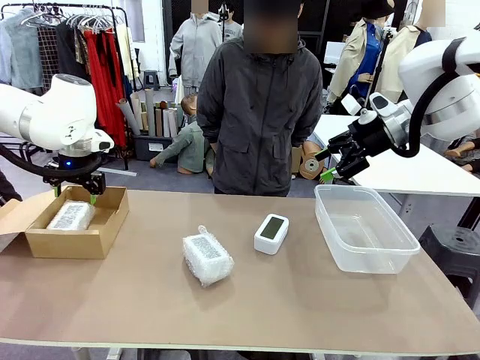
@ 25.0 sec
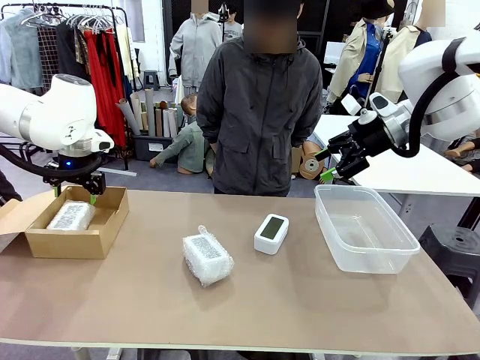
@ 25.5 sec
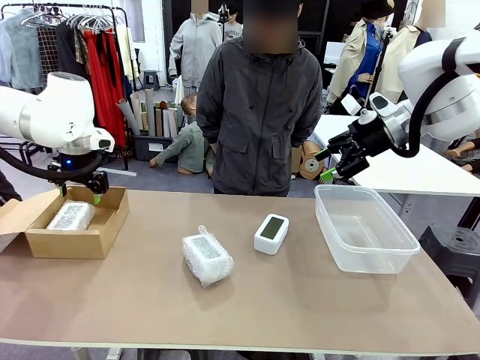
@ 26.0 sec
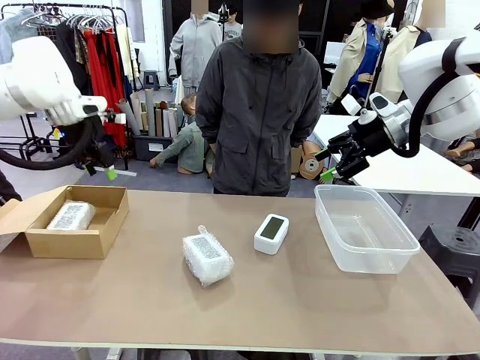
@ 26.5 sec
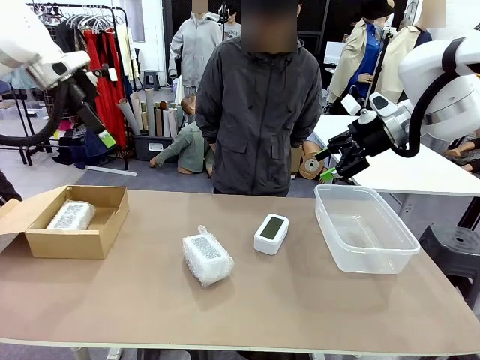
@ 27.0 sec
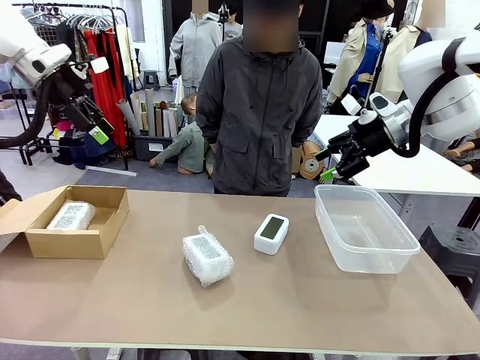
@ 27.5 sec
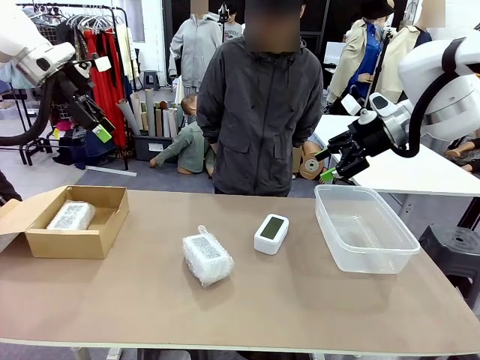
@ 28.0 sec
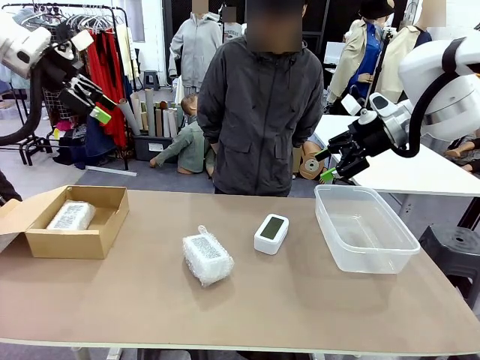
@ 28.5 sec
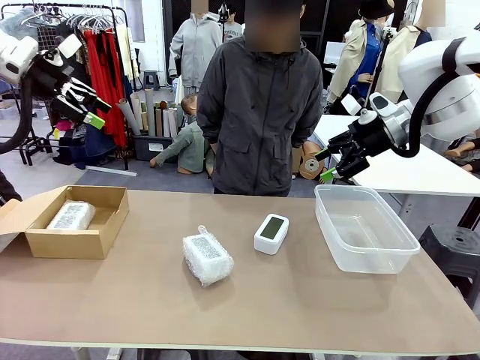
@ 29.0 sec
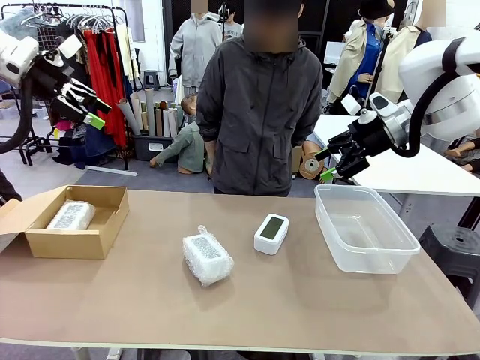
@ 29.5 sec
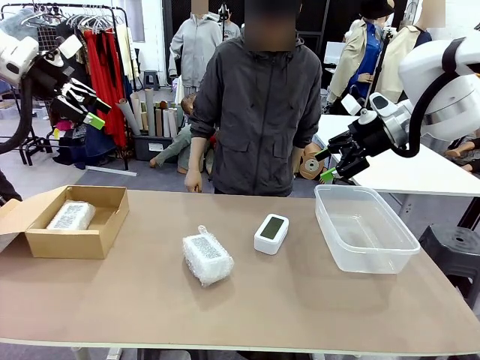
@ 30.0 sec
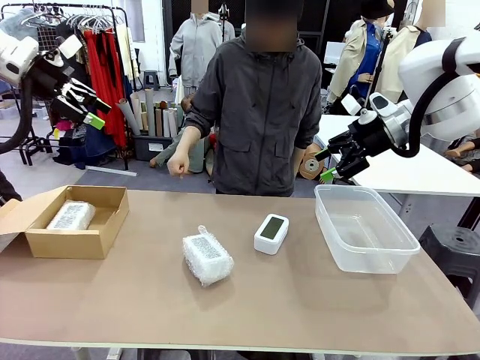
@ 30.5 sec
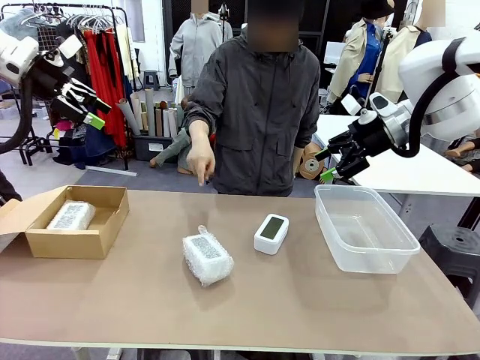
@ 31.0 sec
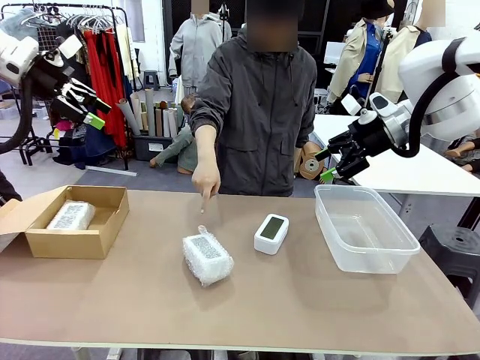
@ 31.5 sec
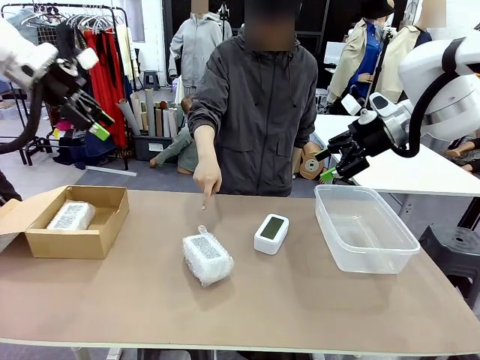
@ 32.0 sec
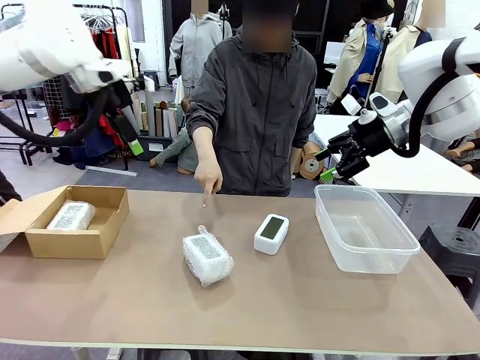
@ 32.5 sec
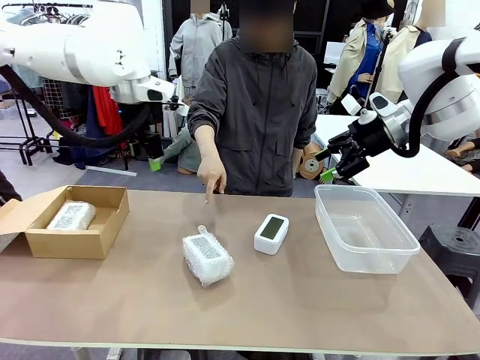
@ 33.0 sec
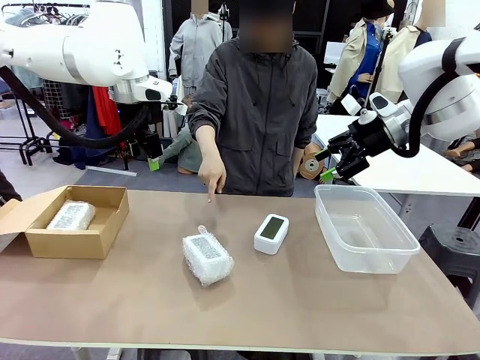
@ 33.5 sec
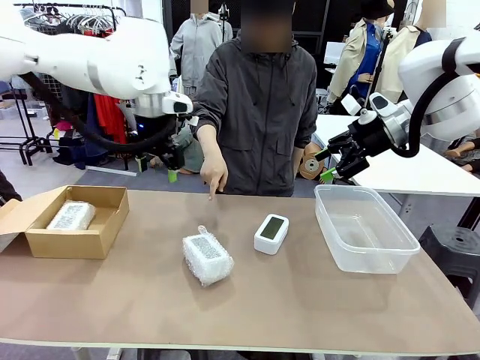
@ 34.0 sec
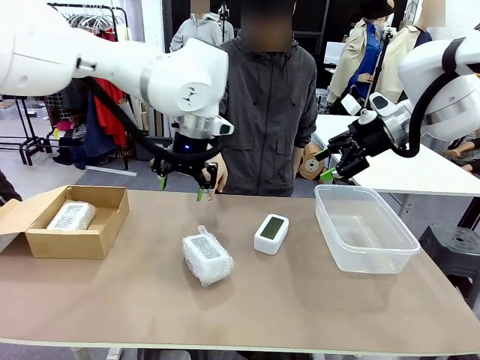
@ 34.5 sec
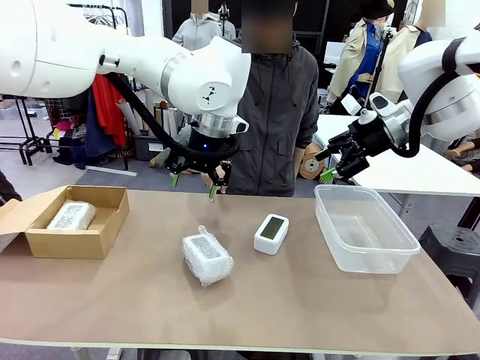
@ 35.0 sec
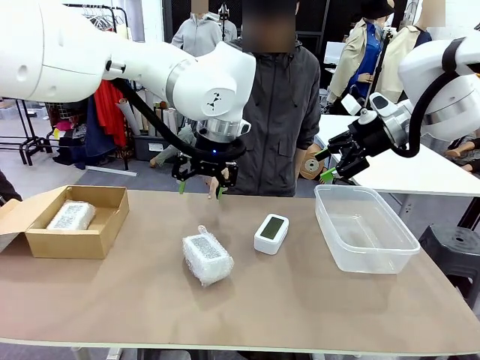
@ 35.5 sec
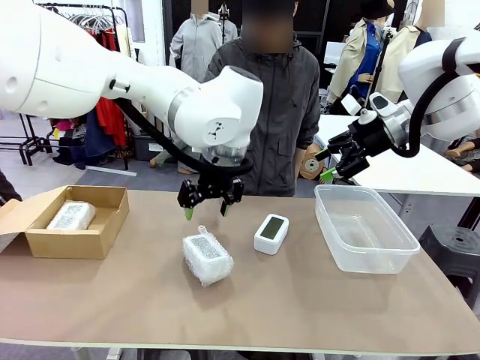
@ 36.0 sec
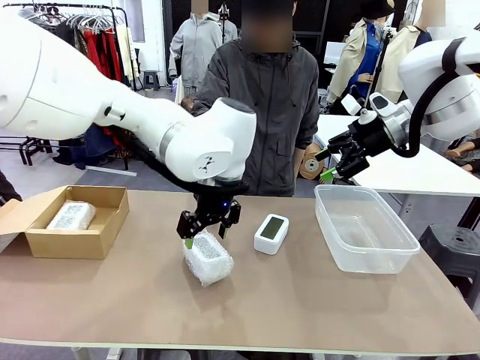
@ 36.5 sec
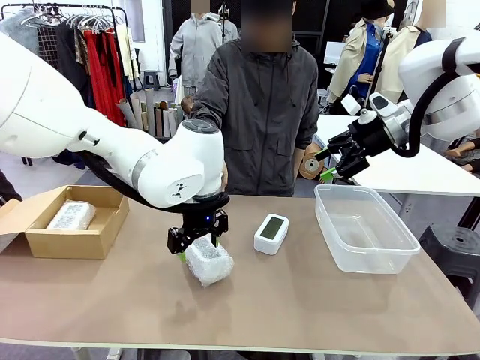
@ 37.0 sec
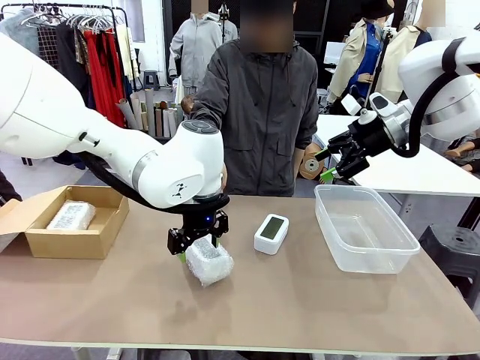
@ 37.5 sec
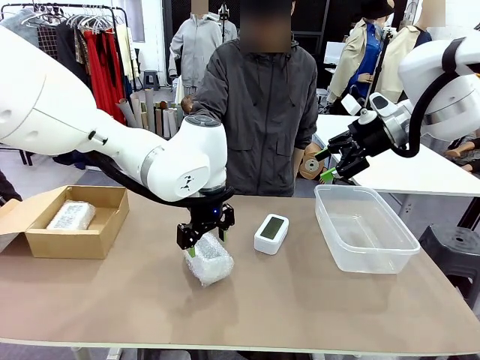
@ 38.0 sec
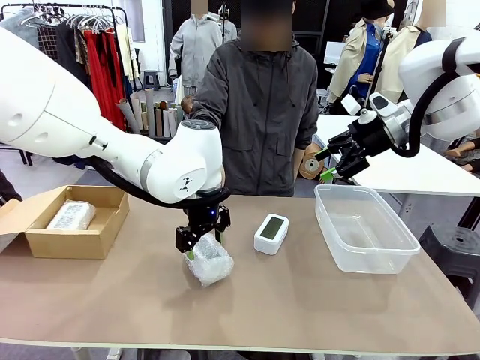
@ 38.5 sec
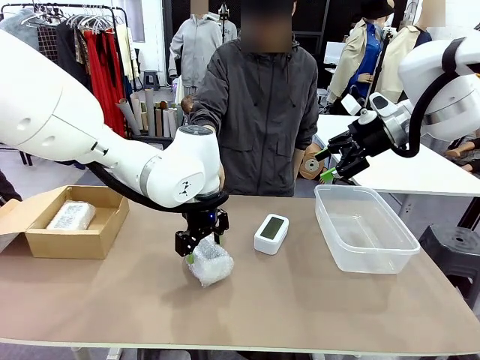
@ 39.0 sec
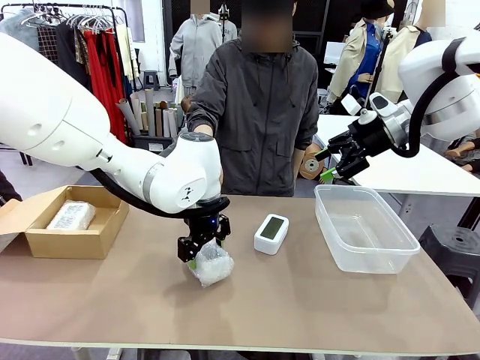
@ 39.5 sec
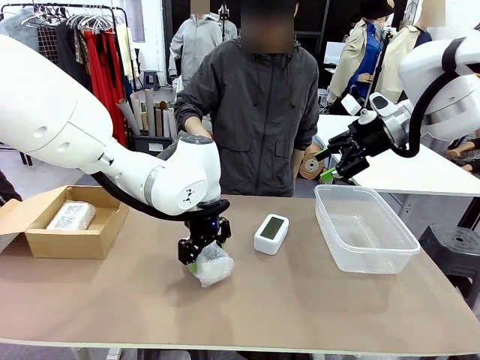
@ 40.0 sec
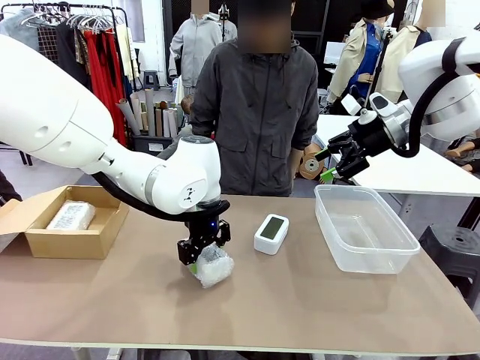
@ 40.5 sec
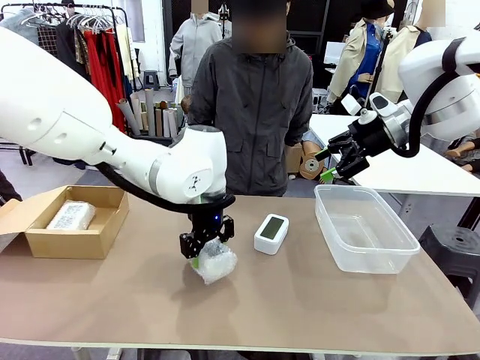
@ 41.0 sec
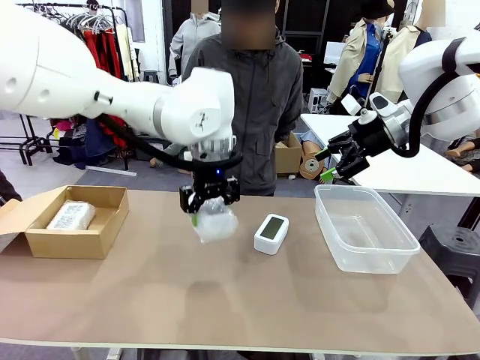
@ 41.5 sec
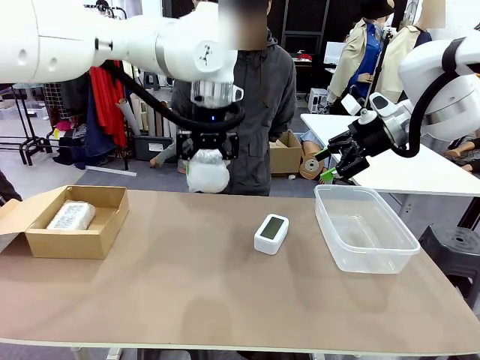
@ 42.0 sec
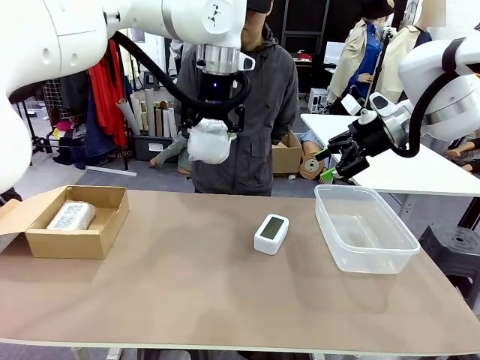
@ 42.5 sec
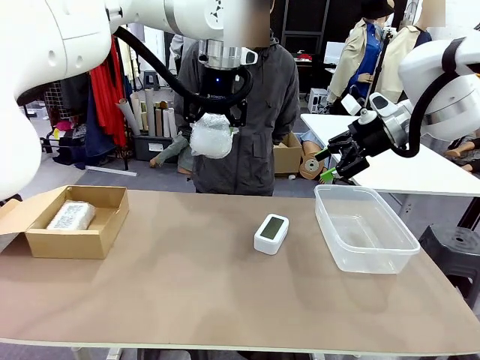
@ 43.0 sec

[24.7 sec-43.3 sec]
Task: Separate and place wrapped and unwrapped clocks.
Robot: Pick up the Digital clock indicated by the person.

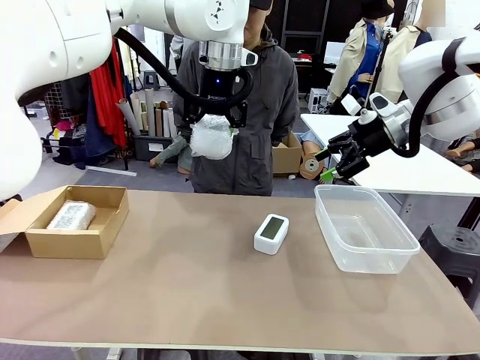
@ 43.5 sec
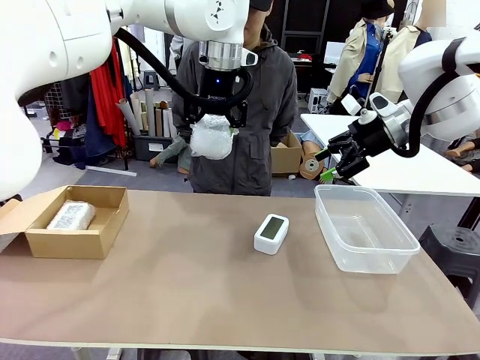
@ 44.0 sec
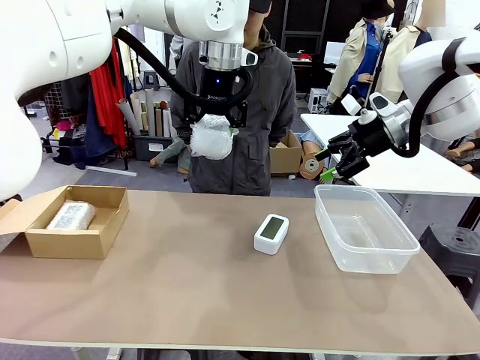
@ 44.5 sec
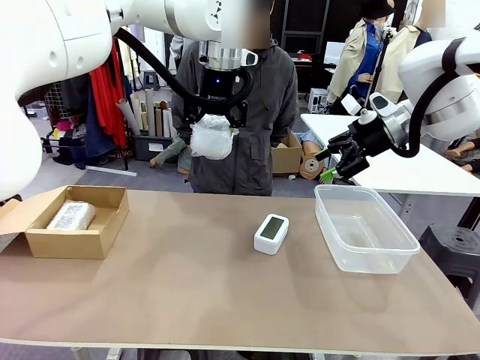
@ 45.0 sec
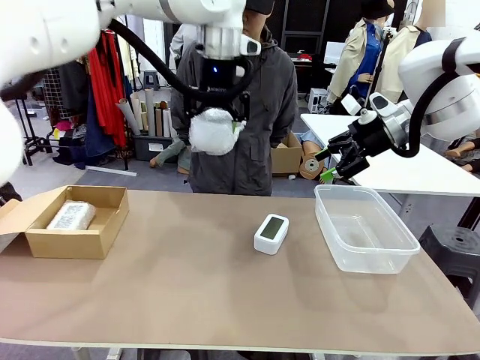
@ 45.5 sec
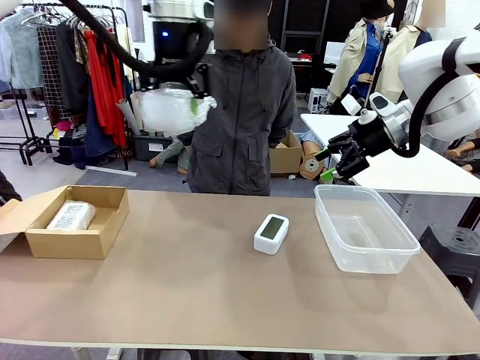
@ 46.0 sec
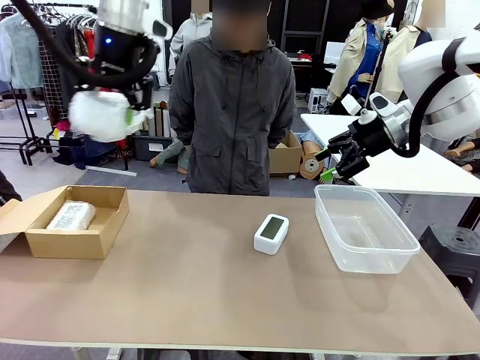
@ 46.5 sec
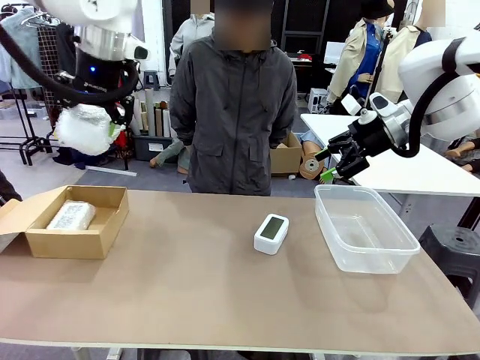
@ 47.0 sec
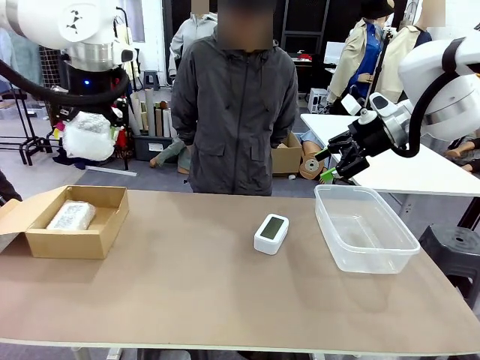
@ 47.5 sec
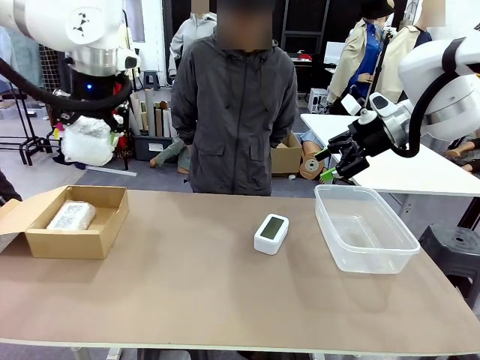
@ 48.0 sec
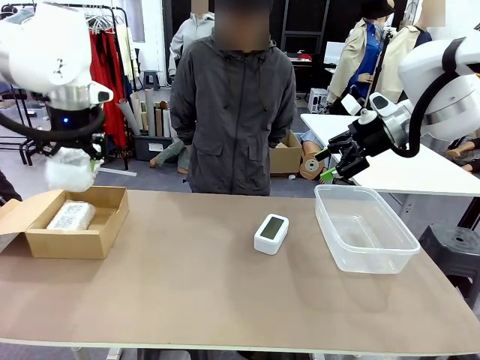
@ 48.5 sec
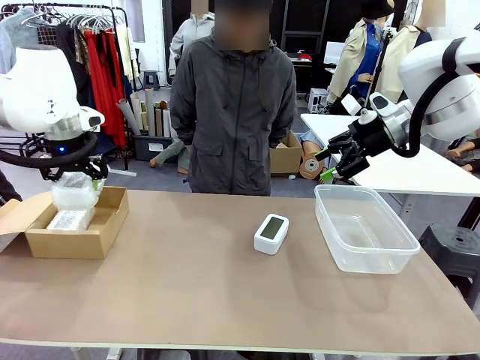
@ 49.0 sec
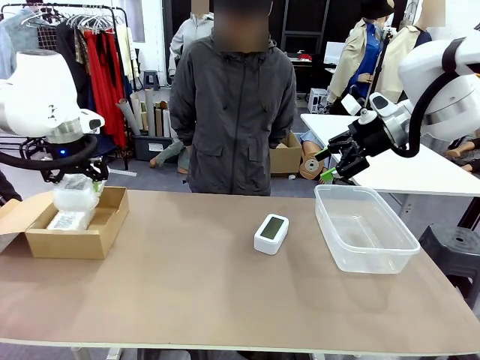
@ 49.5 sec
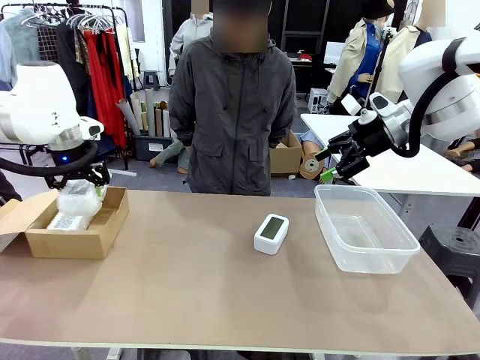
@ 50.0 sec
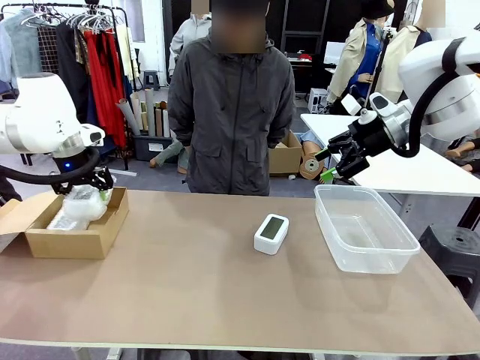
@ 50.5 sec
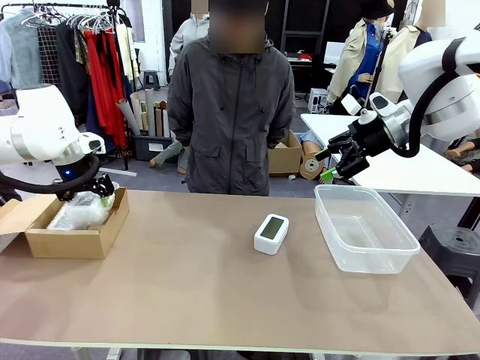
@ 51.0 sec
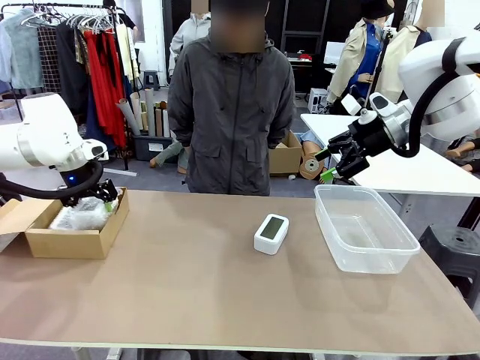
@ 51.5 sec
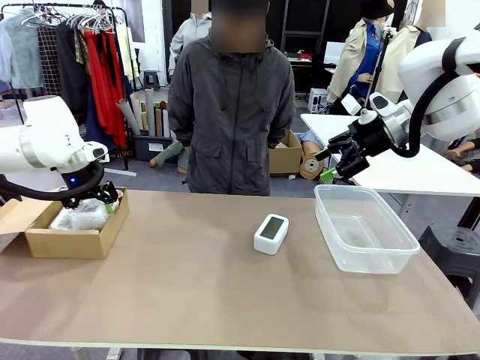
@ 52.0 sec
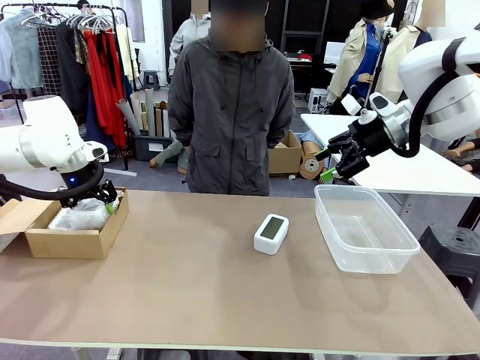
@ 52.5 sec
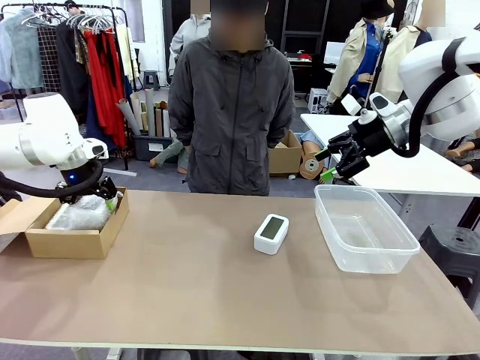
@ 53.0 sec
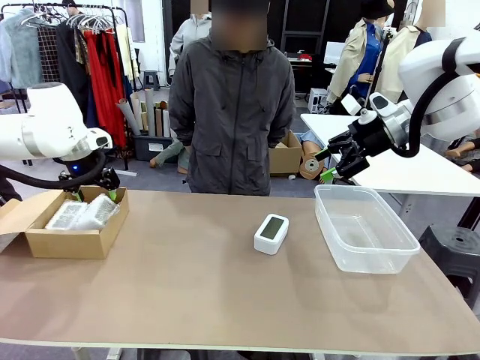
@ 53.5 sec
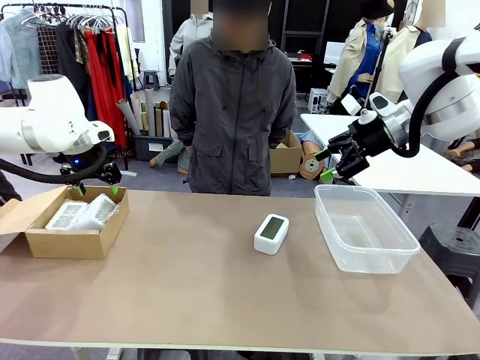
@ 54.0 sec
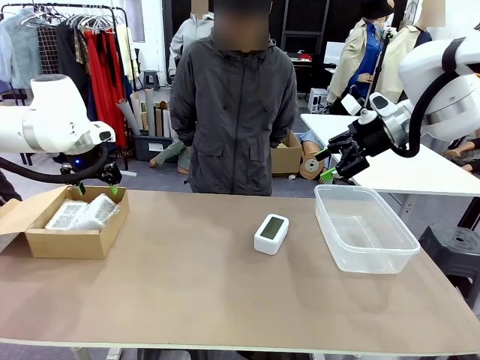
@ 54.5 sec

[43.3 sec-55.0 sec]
Robot: If the picked Digital clock is wrapped, place it in the Package Box ; if not, place it in the Organizing box.
